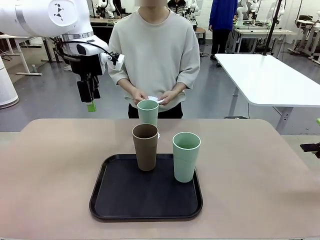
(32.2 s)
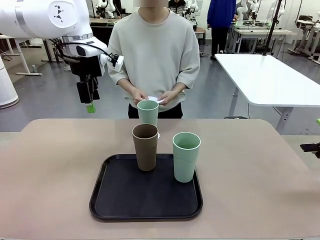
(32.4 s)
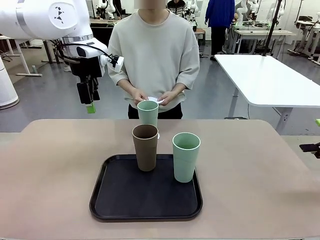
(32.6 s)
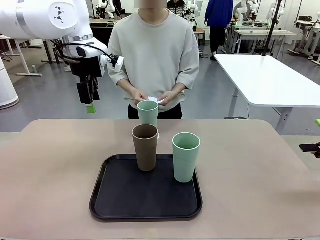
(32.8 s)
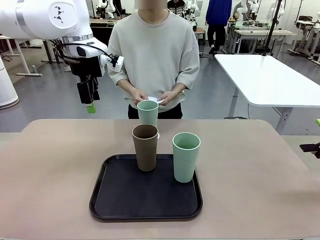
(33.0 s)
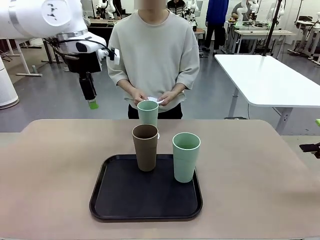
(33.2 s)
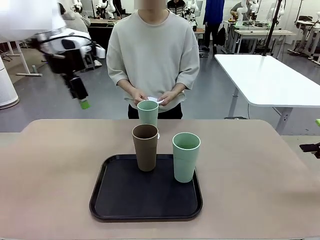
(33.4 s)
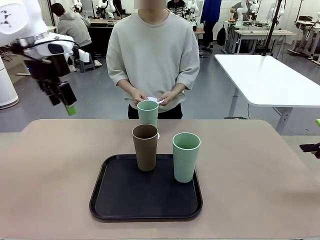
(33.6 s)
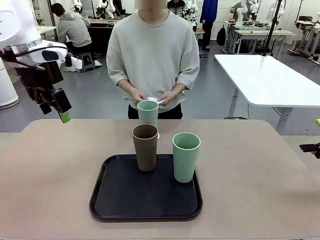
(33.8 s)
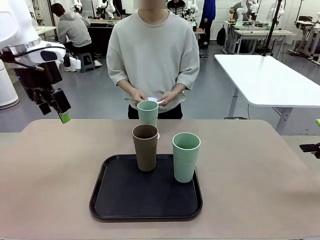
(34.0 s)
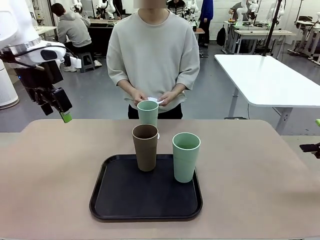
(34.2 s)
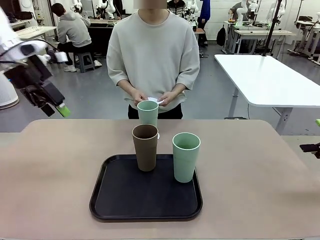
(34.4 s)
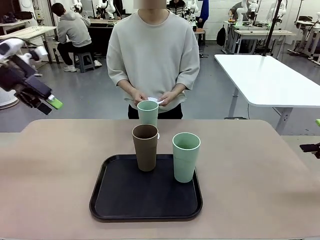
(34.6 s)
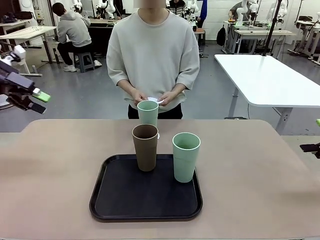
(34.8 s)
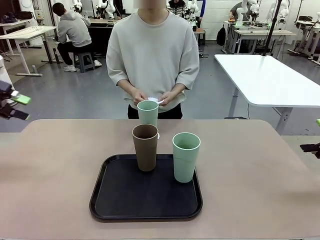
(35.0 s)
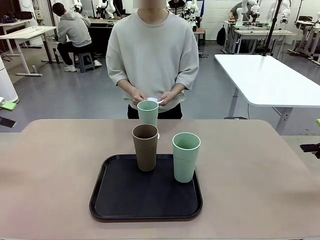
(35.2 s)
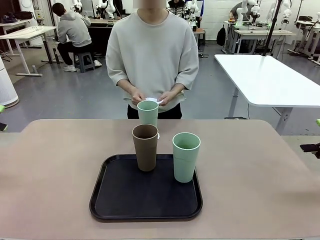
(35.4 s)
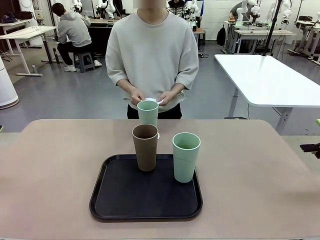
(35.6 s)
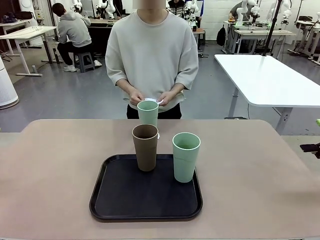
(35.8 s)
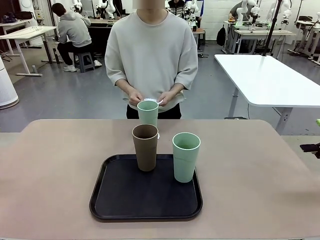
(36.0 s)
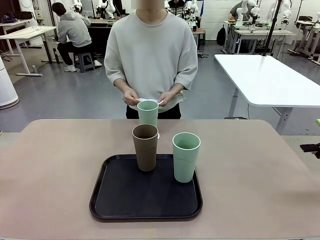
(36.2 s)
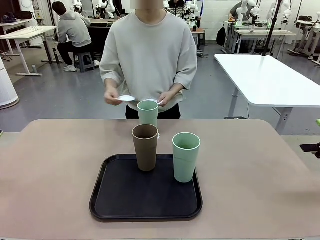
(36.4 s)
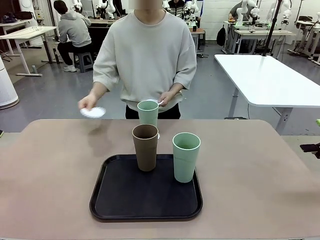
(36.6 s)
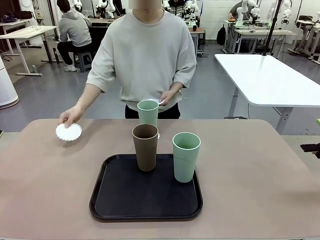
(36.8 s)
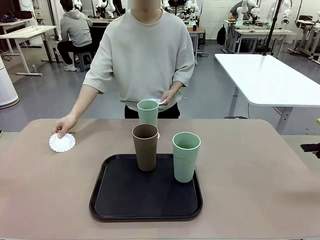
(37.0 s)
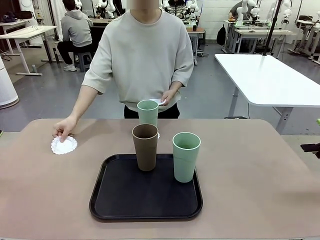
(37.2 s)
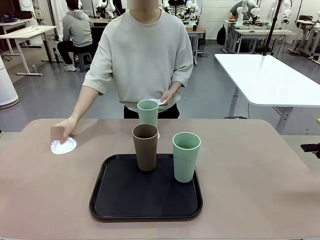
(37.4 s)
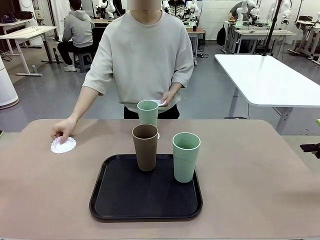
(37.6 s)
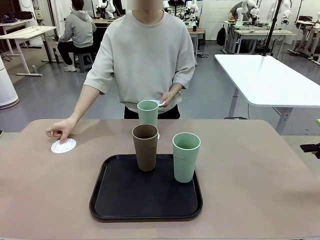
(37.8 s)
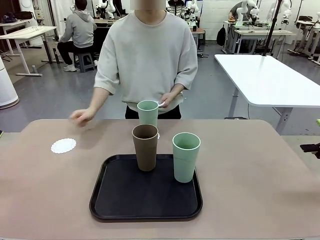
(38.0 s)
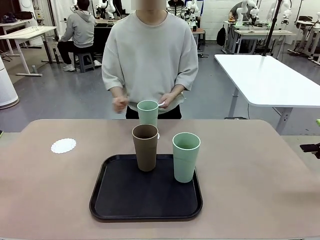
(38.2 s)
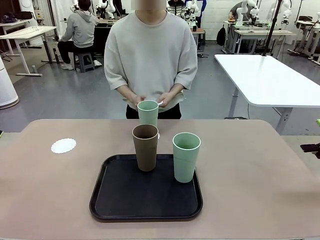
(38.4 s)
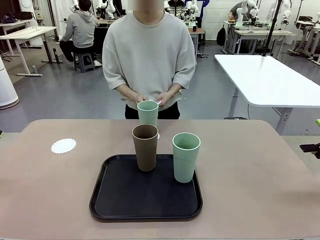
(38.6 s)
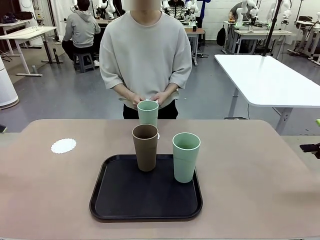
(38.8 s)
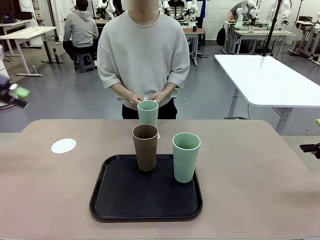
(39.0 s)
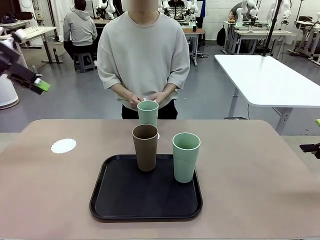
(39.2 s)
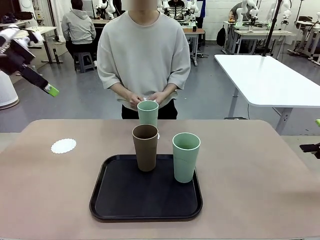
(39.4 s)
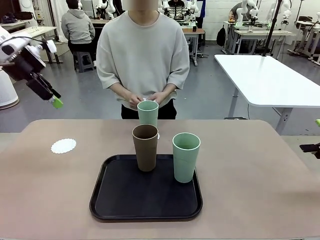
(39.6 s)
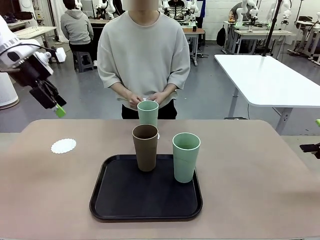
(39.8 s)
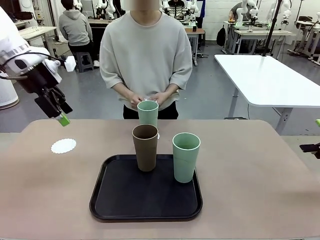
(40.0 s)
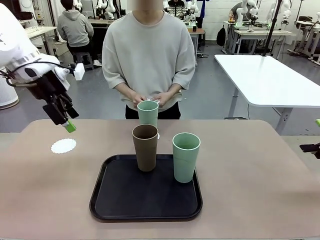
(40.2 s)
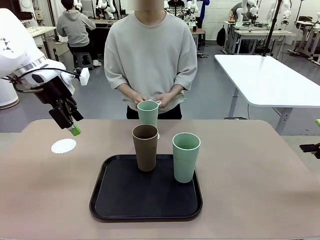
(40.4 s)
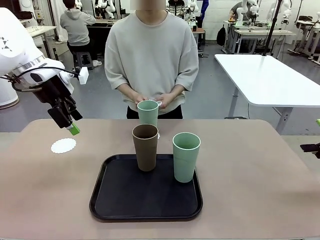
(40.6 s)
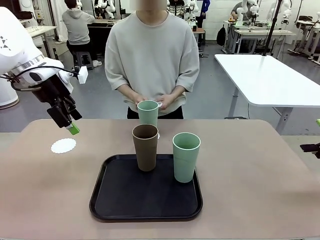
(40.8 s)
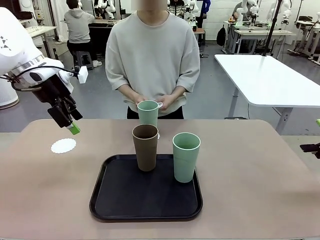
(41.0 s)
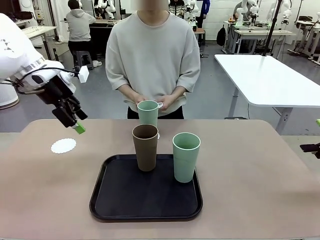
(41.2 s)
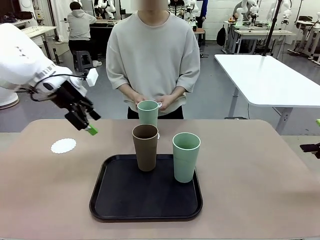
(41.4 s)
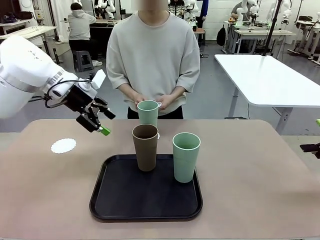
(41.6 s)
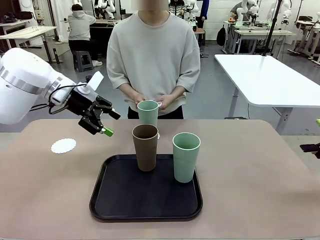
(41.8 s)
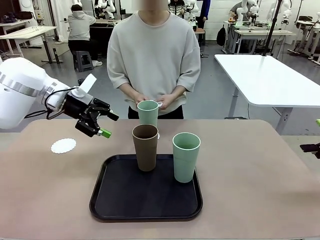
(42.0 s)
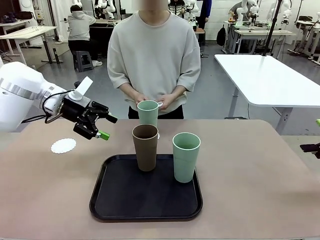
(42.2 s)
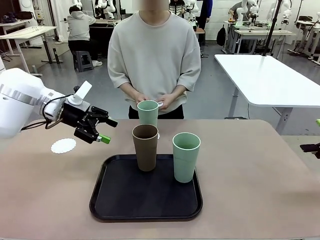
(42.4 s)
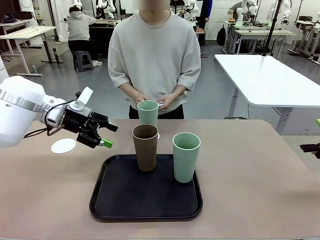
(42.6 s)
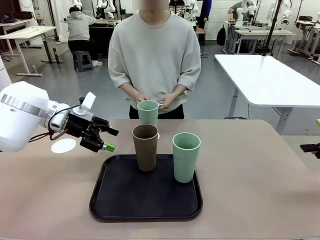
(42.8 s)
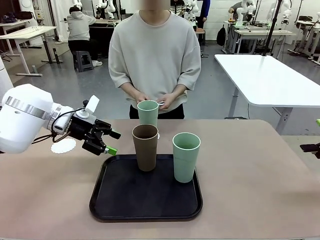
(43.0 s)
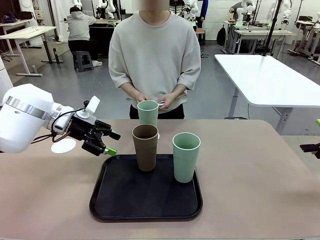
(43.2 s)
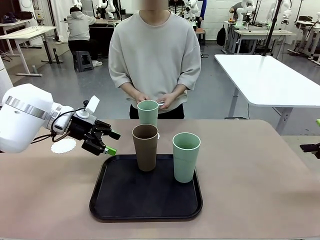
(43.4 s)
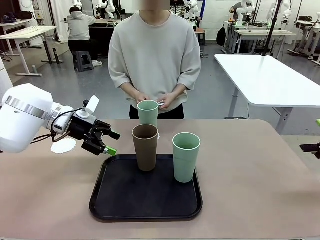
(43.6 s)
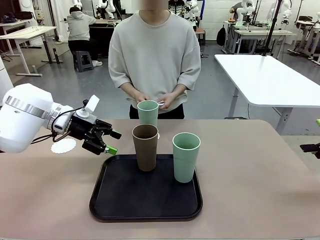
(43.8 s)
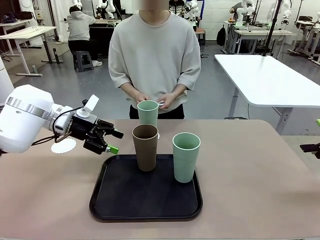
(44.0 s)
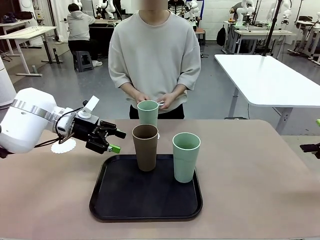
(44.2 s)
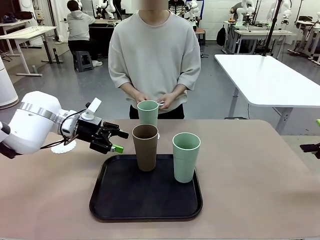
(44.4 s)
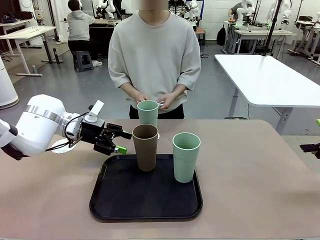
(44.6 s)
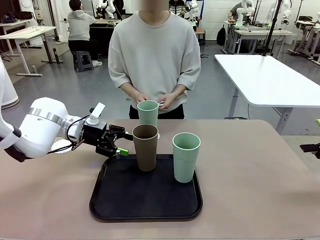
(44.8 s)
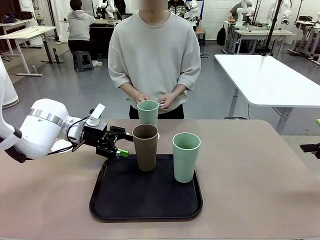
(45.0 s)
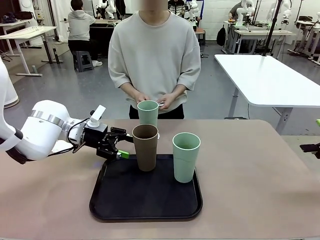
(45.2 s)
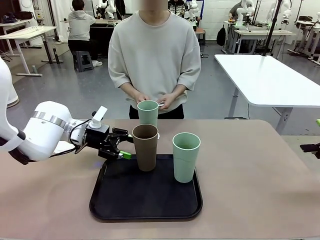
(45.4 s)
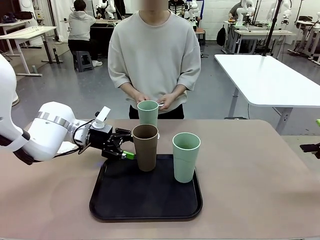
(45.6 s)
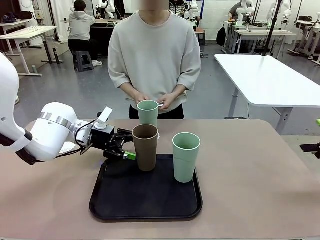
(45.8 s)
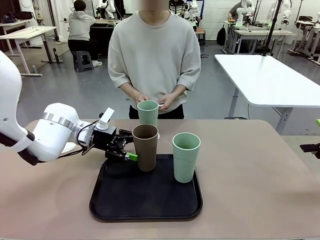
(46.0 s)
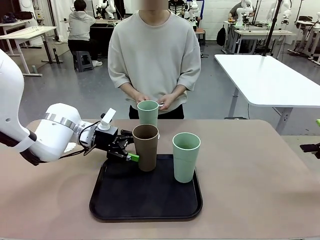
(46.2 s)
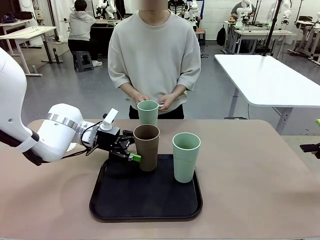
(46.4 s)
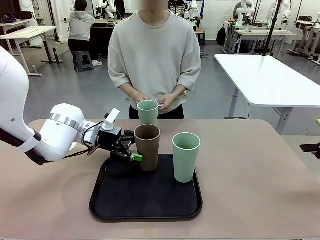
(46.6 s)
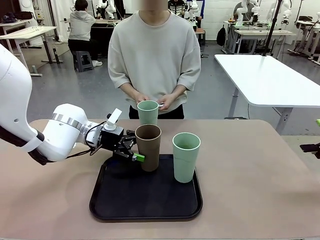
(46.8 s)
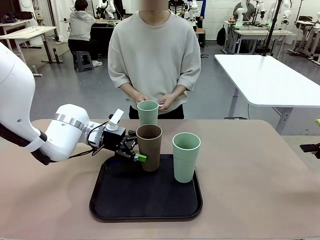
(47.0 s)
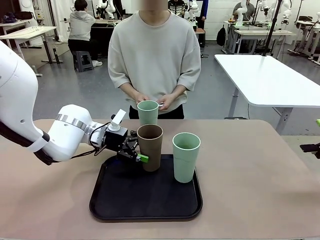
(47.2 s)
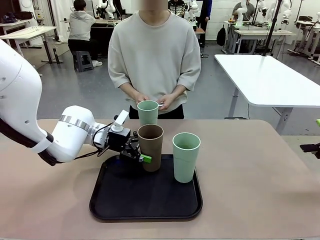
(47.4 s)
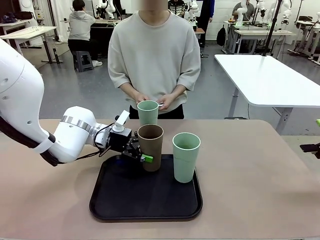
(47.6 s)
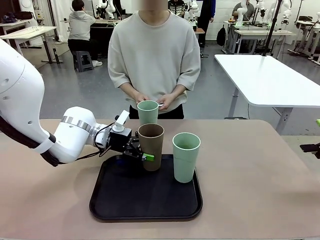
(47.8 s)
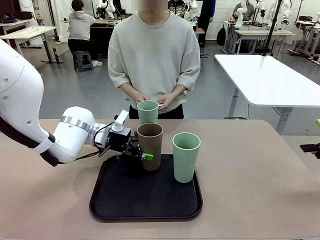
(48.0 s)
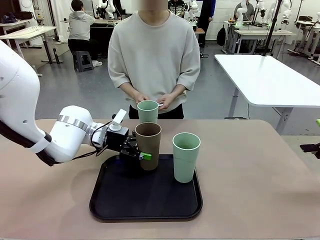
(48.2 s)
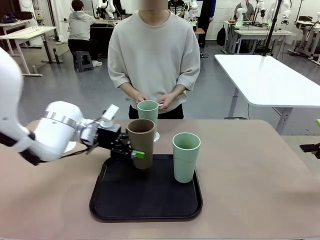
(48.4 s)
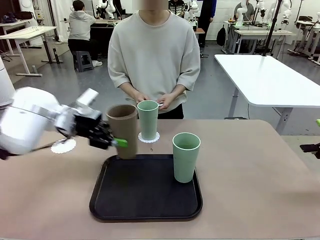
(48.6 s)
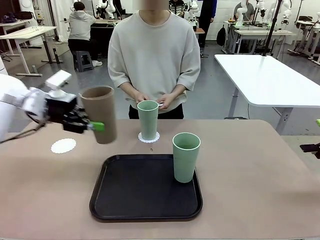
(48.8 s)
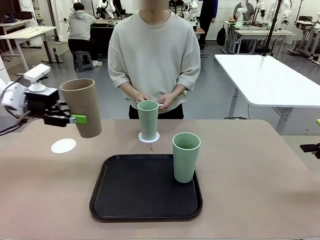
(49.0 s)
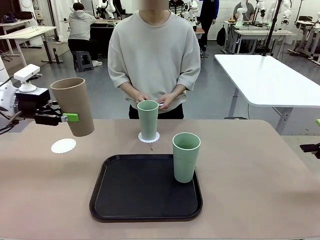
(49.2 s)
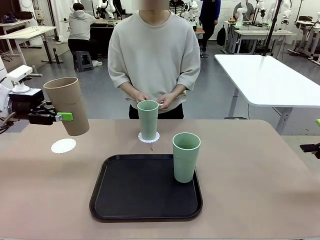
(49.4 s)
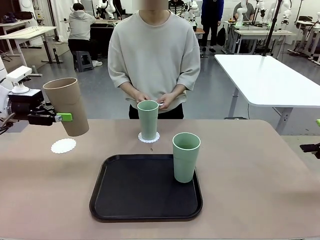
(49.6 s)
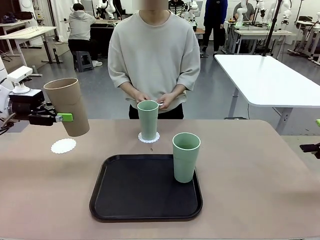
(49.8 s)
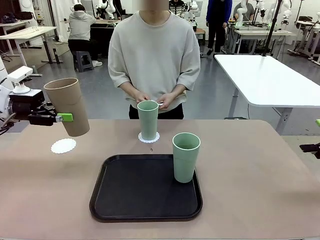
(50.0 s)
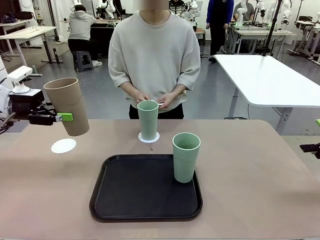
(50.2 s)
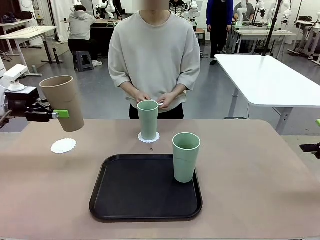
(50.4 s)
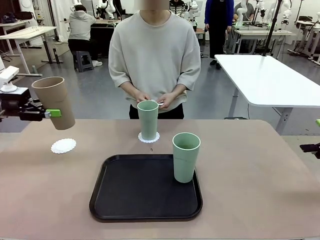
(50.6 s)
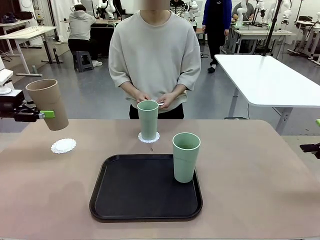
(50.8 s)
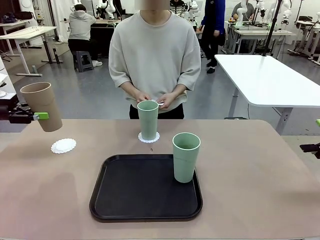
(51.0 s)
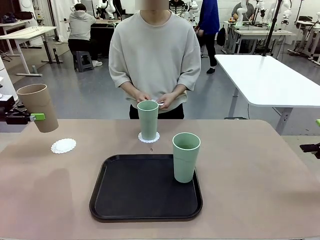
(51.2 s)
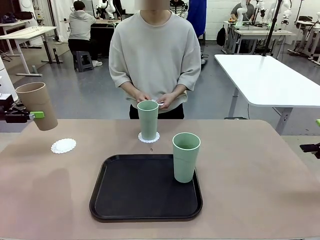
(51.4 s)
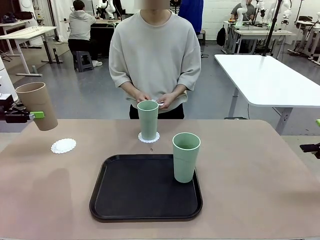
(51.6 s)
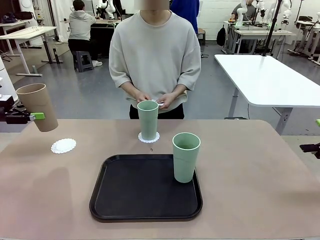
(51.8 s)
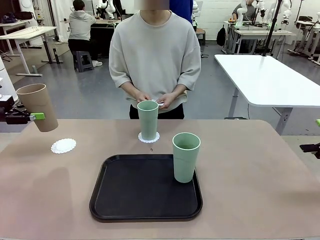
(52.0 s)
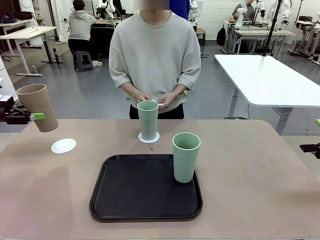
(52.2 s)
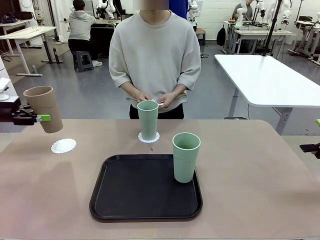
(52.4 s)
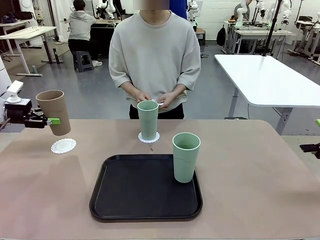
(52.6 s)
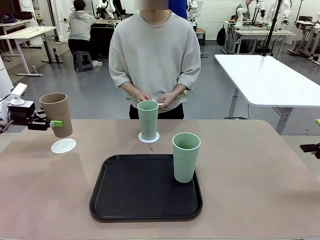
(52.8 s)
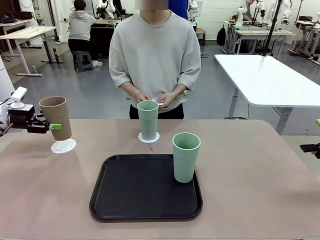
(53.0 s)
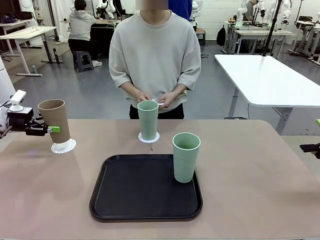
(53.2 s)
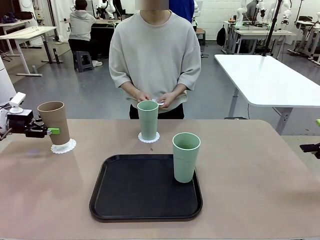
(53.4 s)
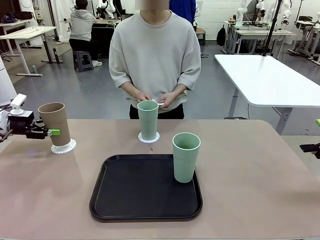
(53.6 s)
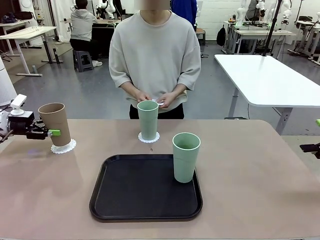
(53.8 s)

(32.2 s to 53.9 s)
Task: Place coasters on the table and set cups on them.
Robot: Take one Reusable plastic cup from the Flat Tray and place it on a coaster set by the human.
